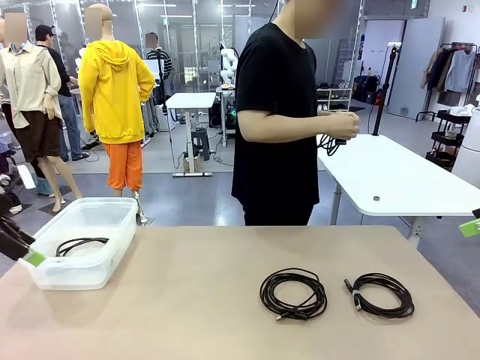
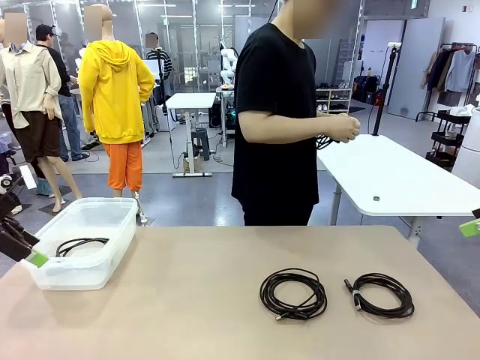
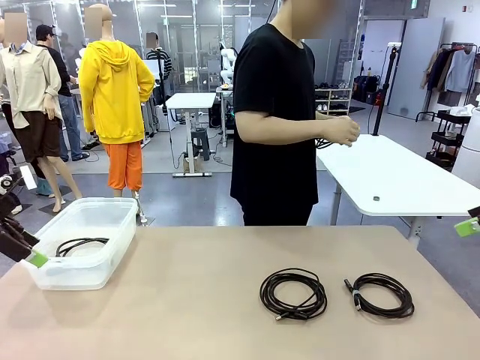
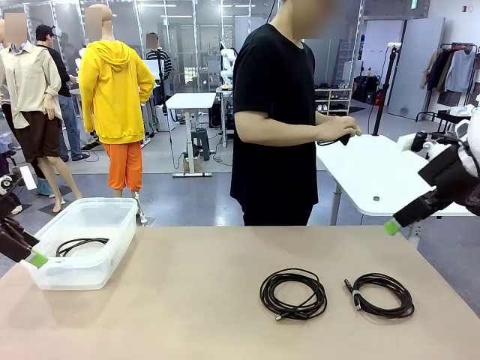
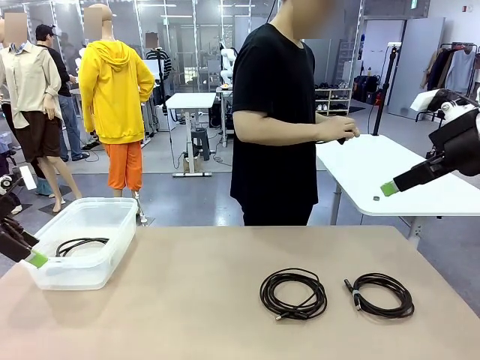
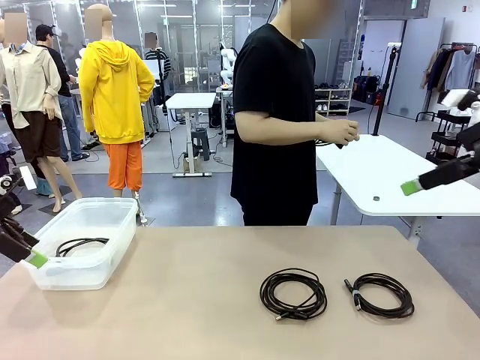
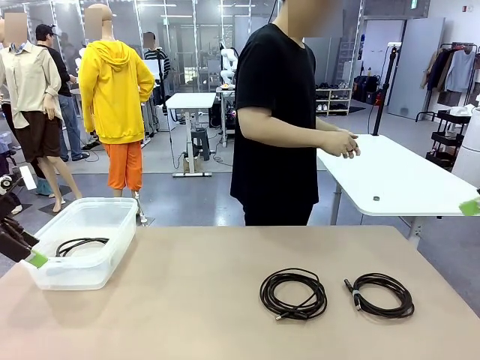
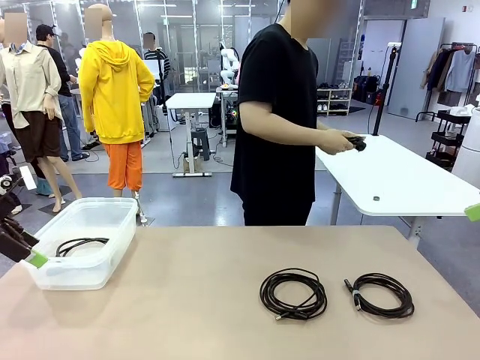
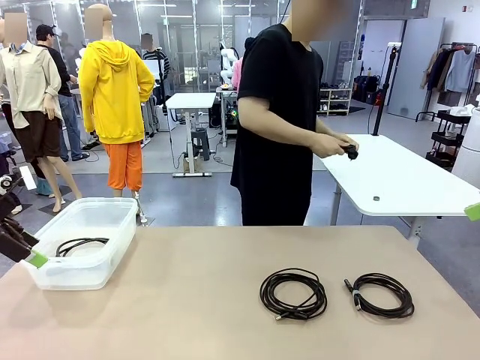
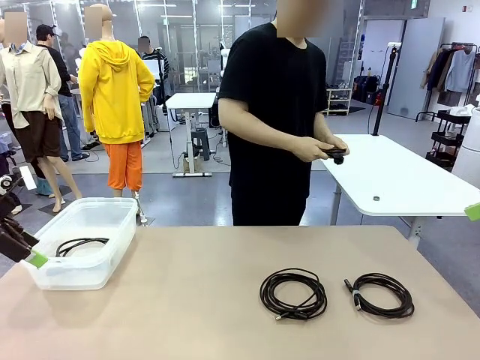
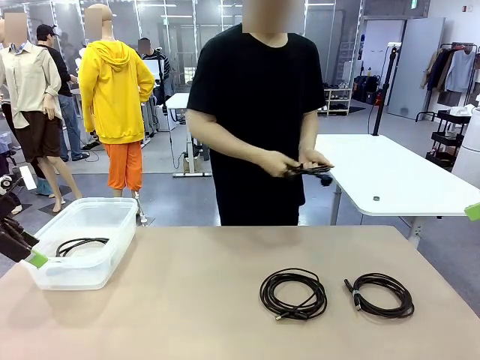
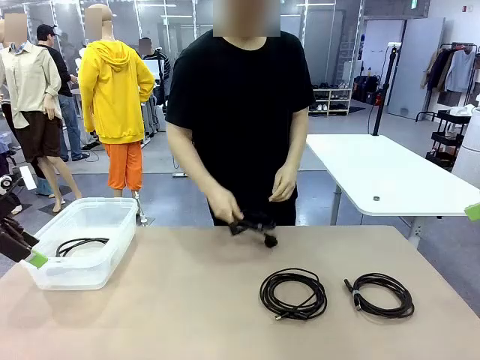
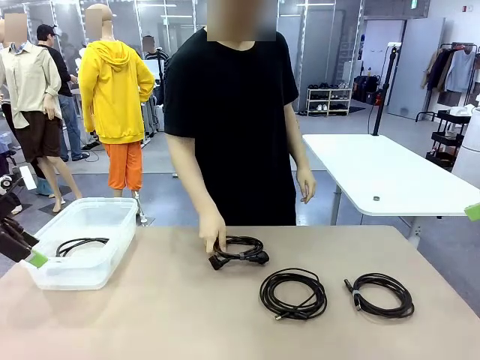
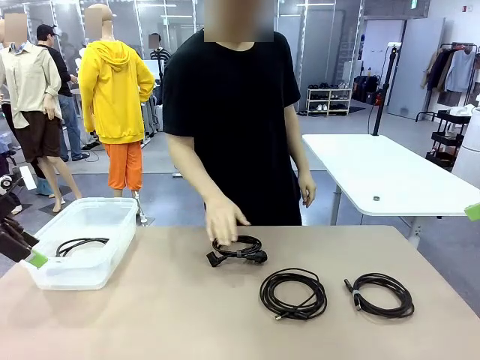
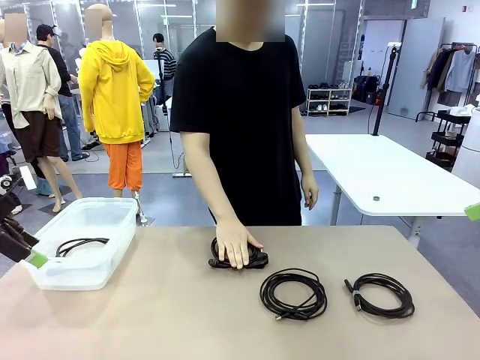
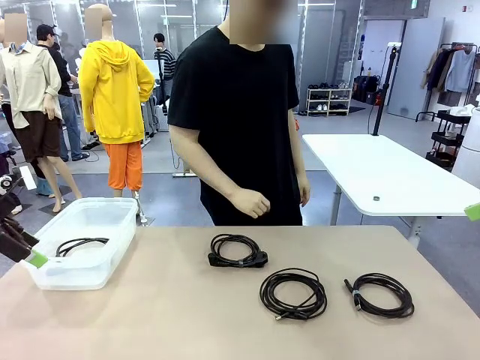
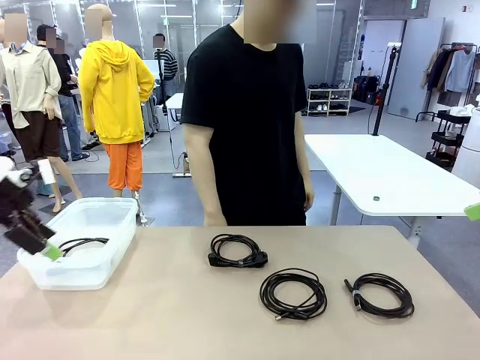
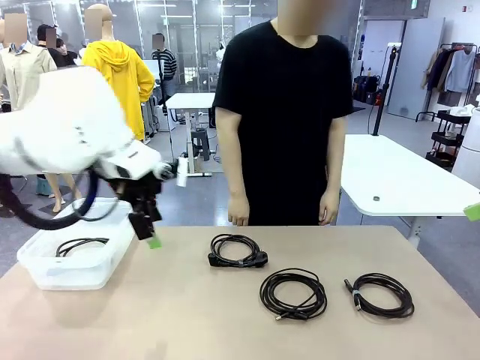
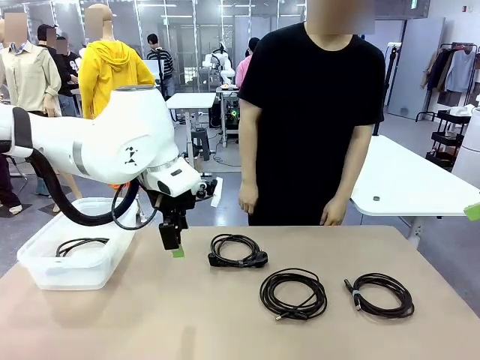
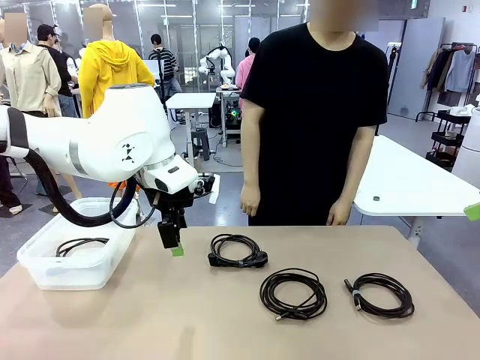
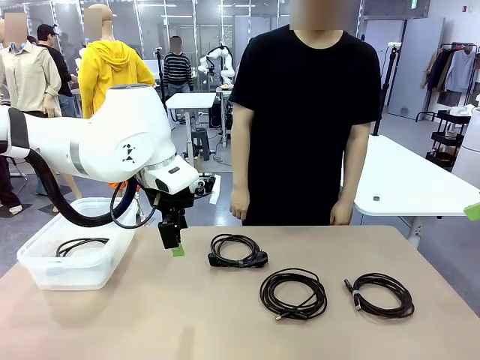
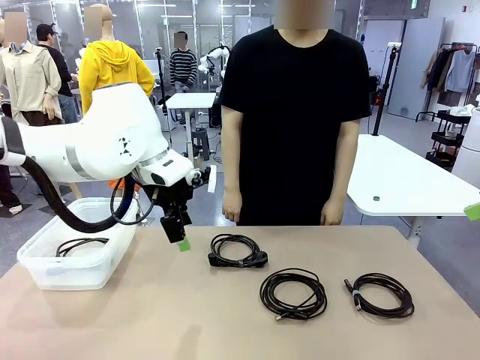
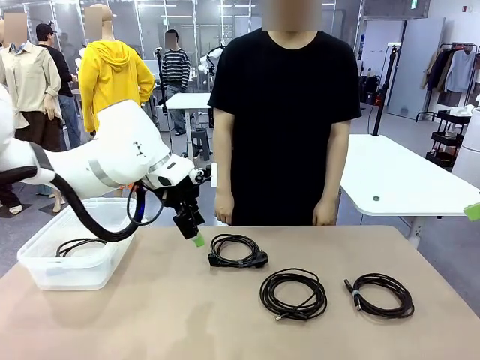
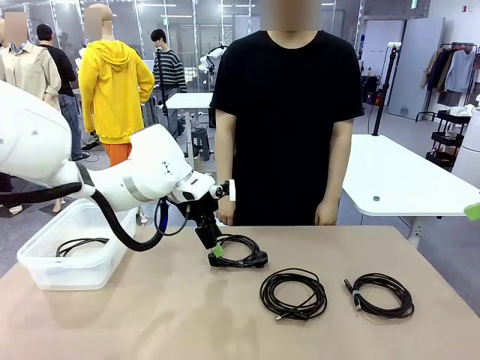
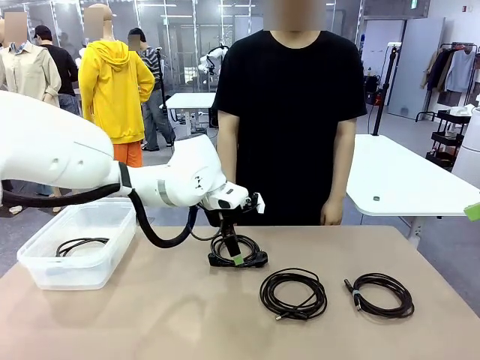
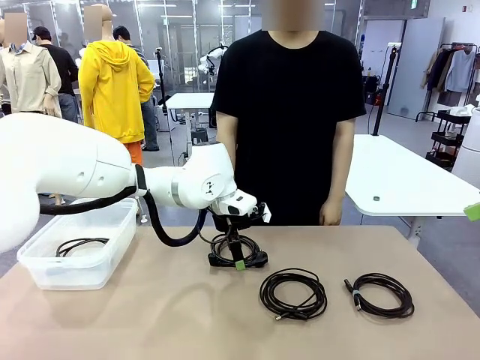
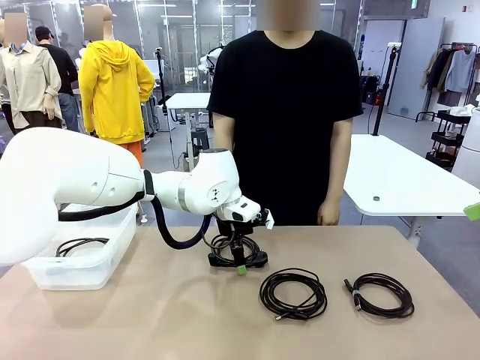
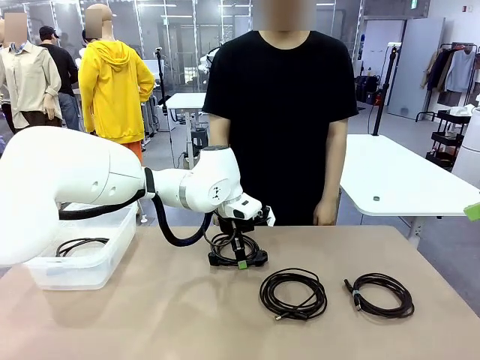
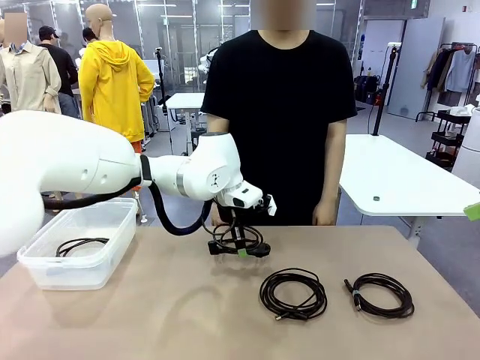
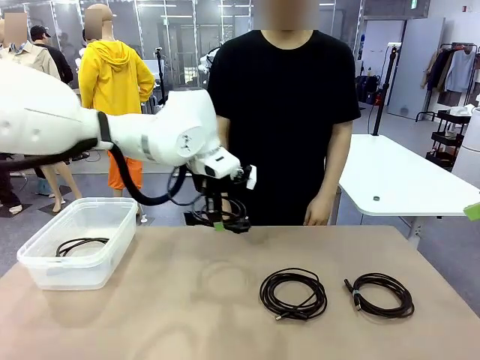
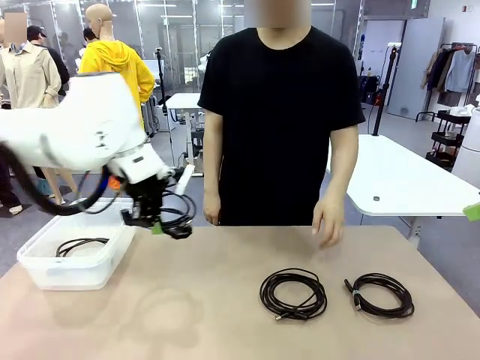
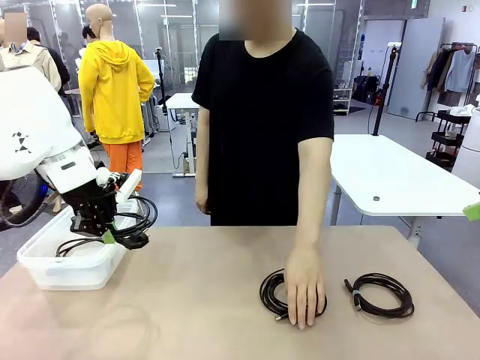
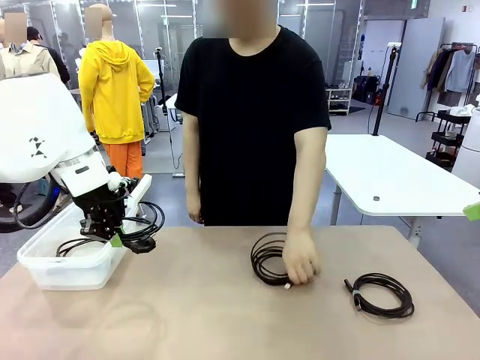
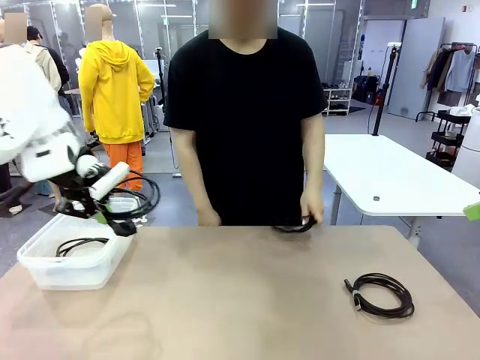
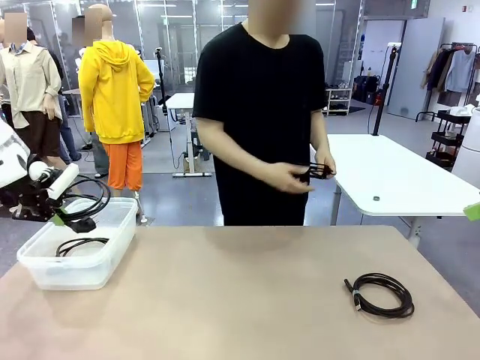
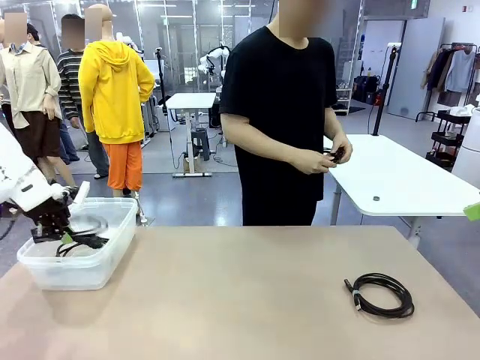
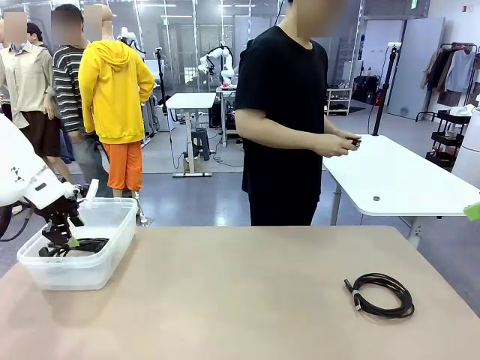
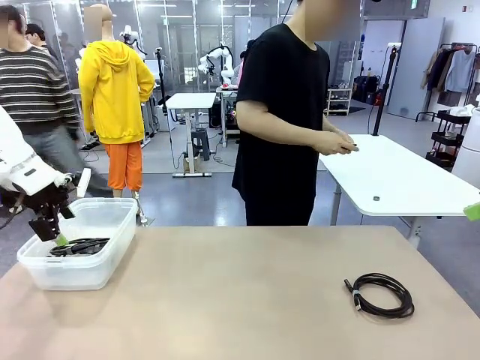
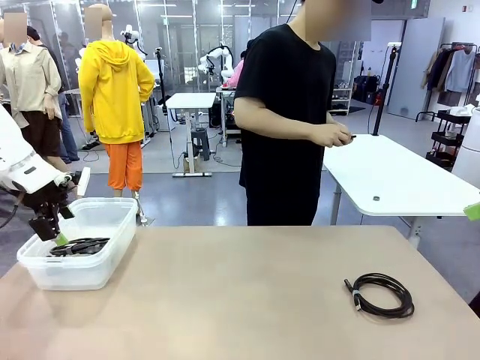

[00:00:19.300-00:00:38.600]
Task: Organize and store the cables.
Robot: Place the Power Cable into the Organizing box.
